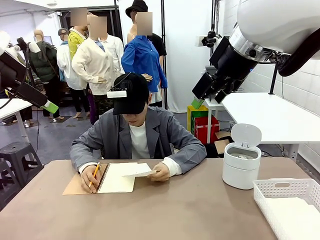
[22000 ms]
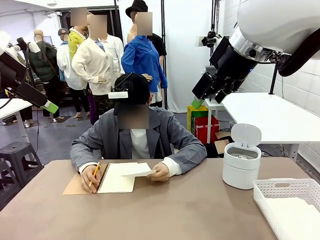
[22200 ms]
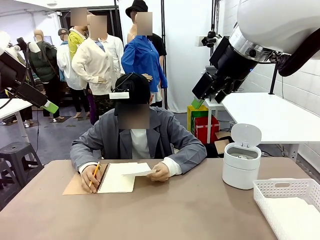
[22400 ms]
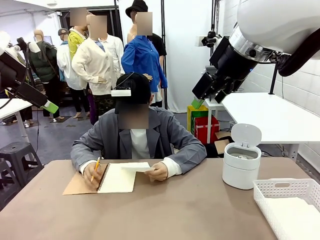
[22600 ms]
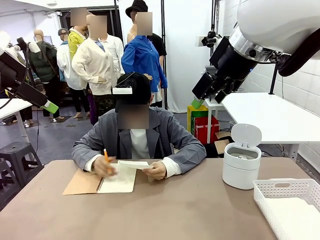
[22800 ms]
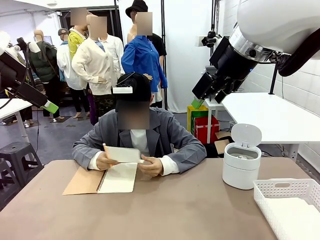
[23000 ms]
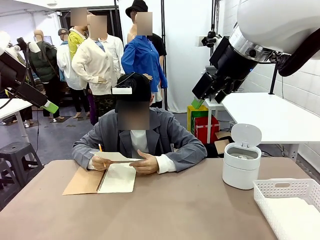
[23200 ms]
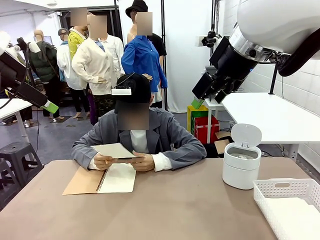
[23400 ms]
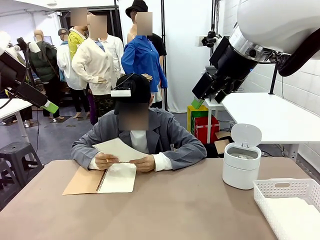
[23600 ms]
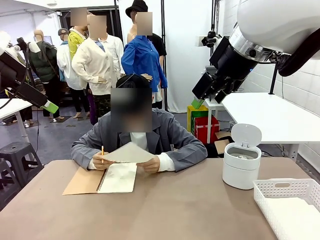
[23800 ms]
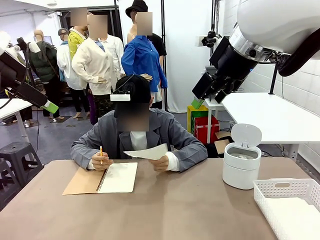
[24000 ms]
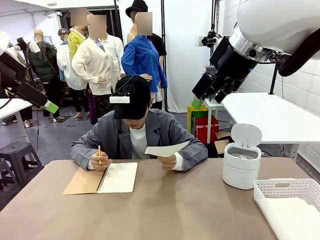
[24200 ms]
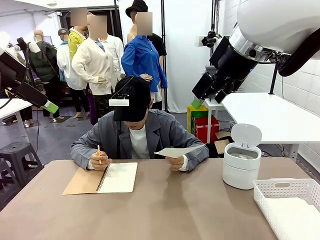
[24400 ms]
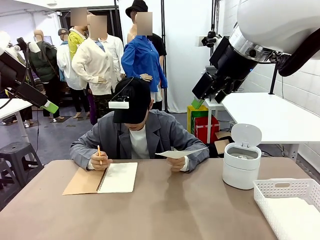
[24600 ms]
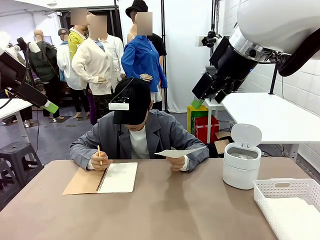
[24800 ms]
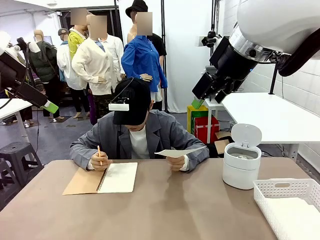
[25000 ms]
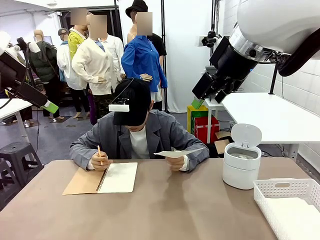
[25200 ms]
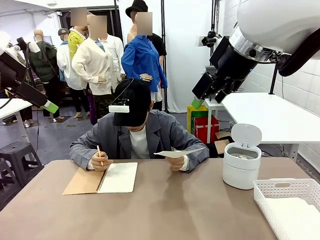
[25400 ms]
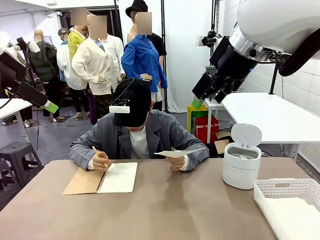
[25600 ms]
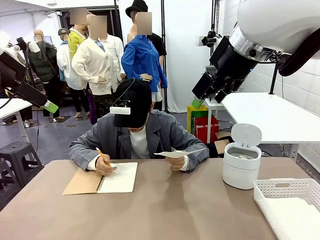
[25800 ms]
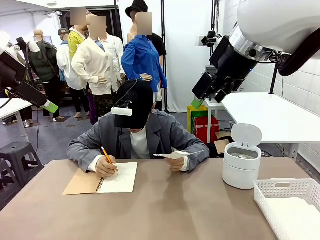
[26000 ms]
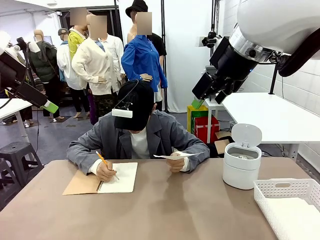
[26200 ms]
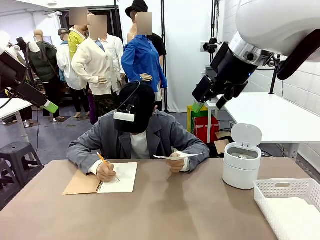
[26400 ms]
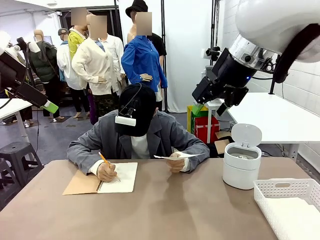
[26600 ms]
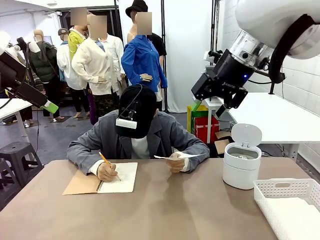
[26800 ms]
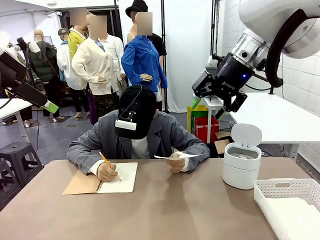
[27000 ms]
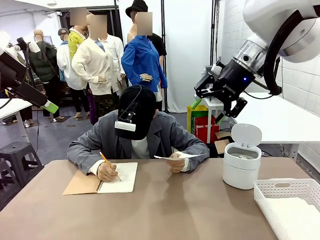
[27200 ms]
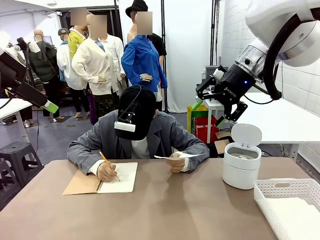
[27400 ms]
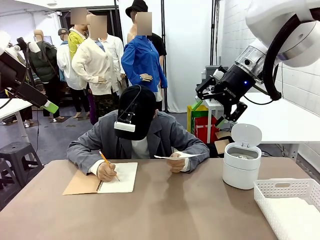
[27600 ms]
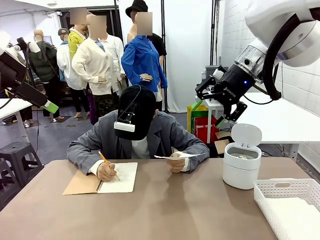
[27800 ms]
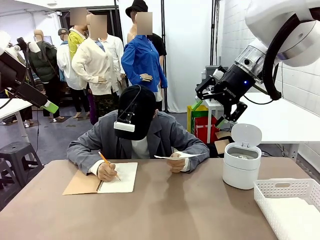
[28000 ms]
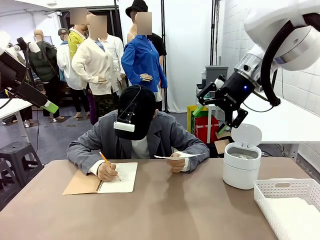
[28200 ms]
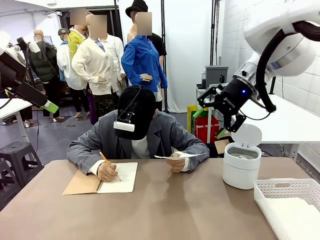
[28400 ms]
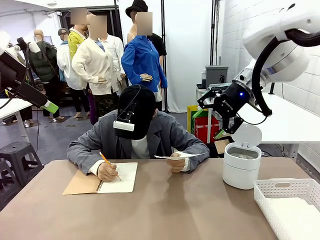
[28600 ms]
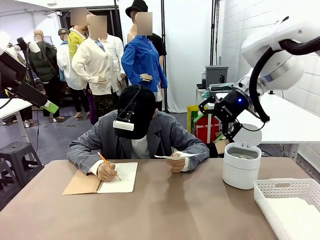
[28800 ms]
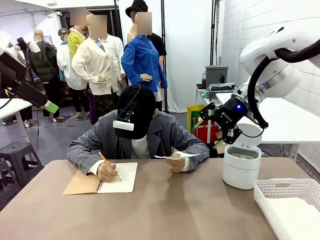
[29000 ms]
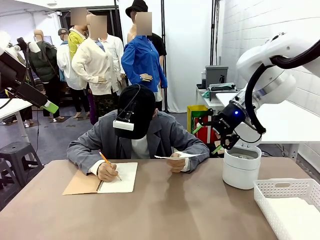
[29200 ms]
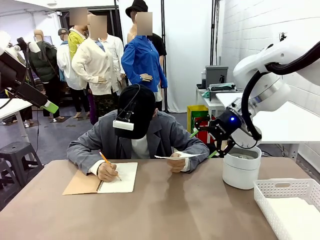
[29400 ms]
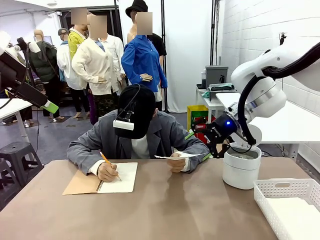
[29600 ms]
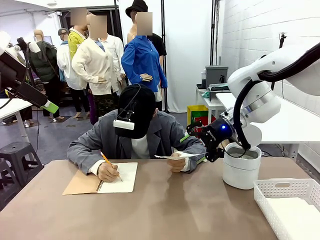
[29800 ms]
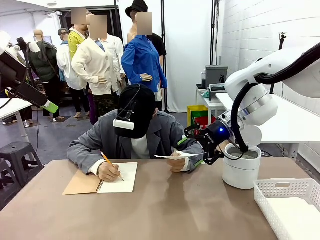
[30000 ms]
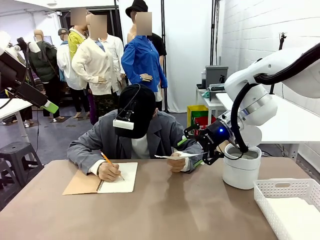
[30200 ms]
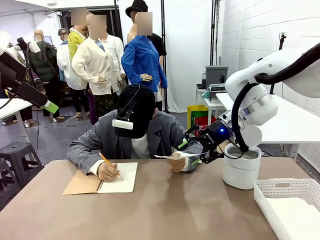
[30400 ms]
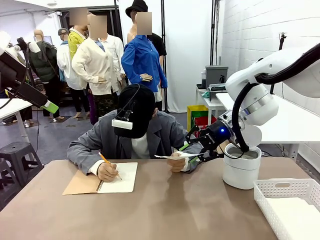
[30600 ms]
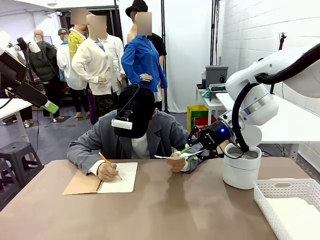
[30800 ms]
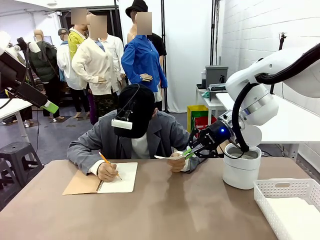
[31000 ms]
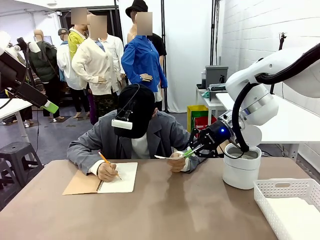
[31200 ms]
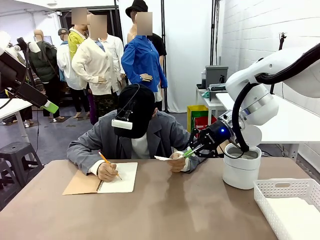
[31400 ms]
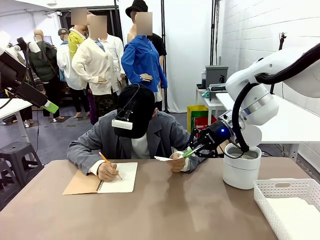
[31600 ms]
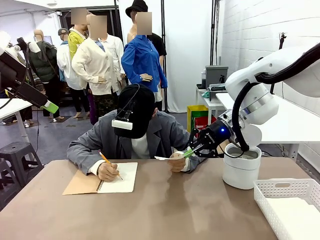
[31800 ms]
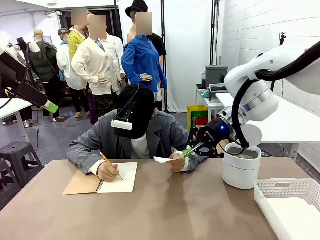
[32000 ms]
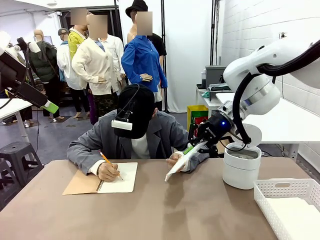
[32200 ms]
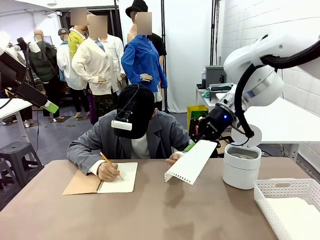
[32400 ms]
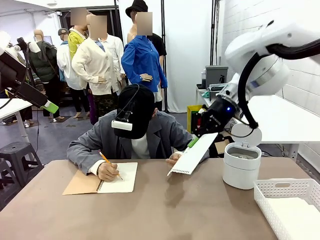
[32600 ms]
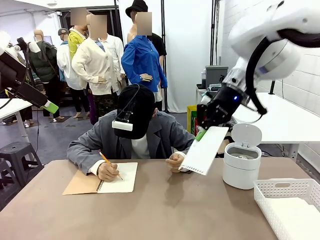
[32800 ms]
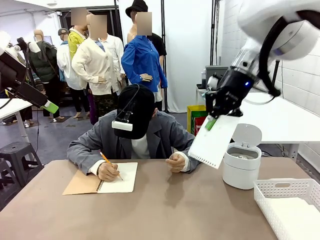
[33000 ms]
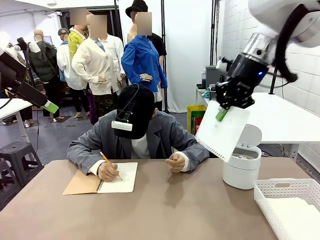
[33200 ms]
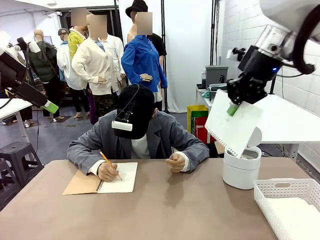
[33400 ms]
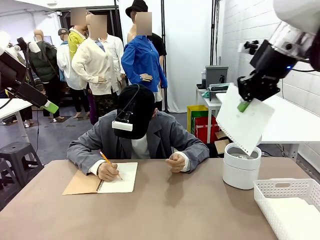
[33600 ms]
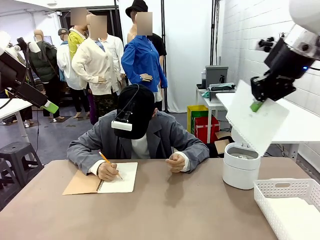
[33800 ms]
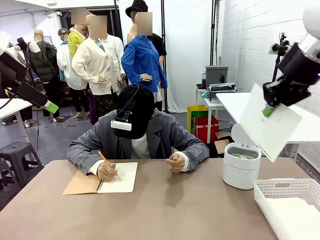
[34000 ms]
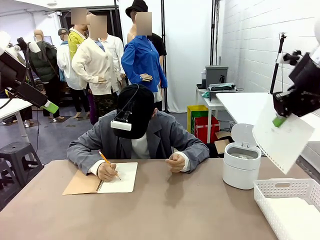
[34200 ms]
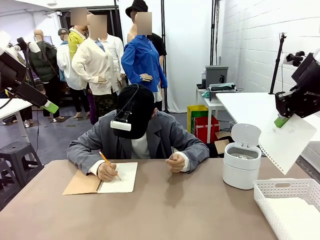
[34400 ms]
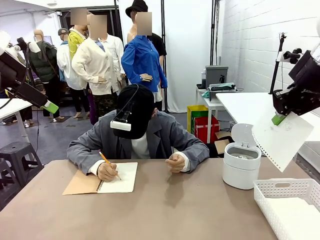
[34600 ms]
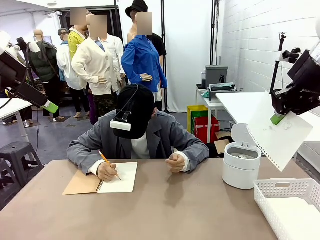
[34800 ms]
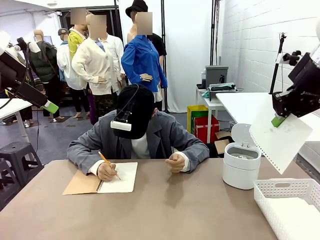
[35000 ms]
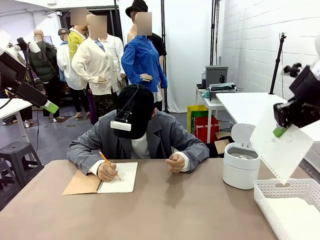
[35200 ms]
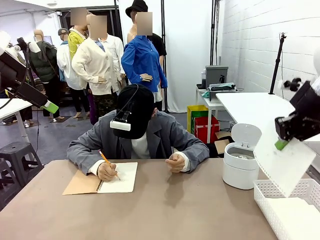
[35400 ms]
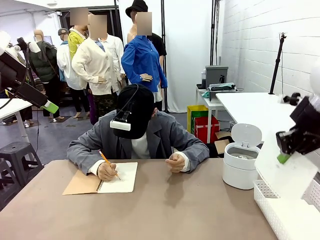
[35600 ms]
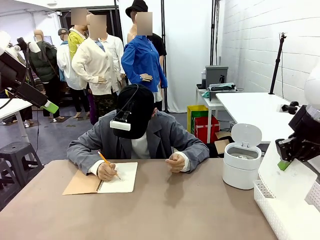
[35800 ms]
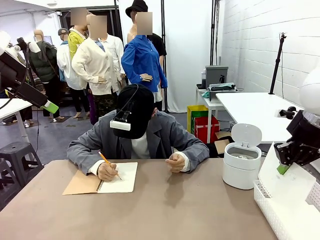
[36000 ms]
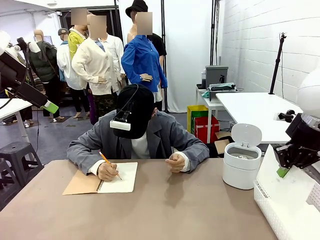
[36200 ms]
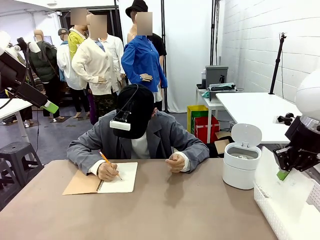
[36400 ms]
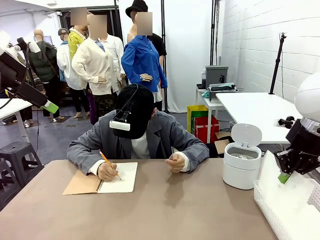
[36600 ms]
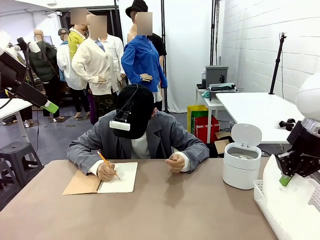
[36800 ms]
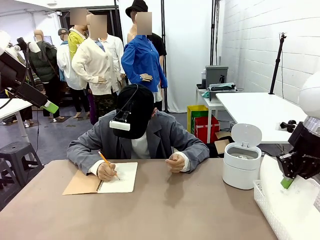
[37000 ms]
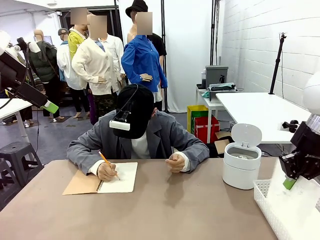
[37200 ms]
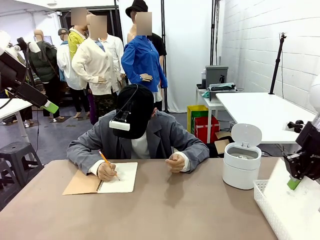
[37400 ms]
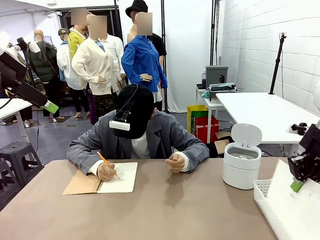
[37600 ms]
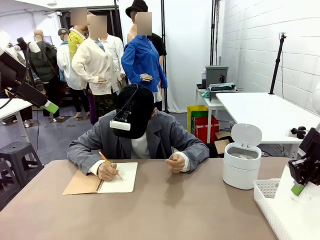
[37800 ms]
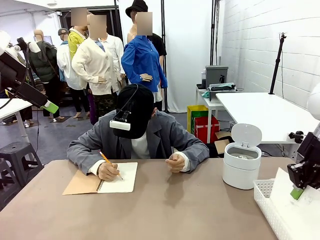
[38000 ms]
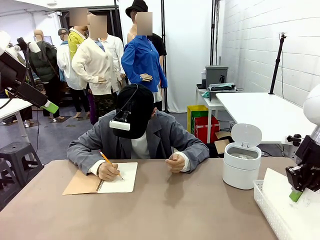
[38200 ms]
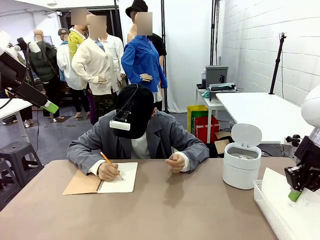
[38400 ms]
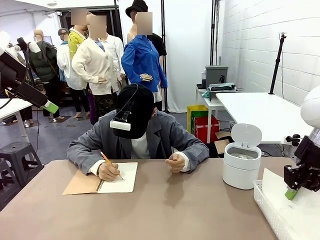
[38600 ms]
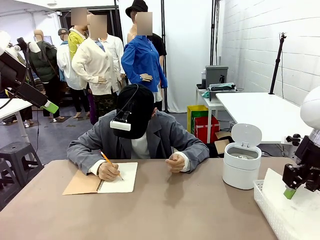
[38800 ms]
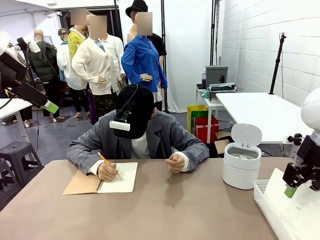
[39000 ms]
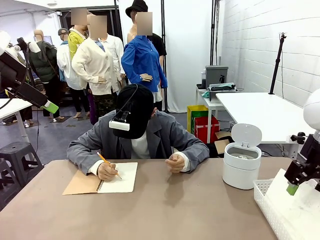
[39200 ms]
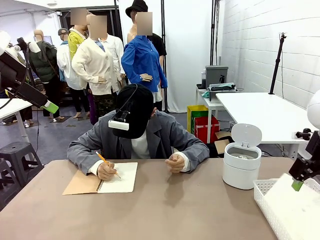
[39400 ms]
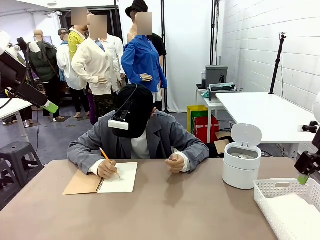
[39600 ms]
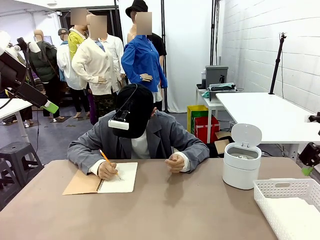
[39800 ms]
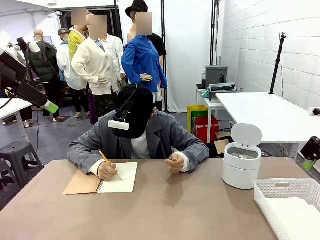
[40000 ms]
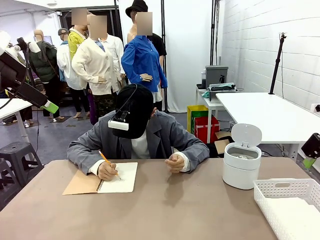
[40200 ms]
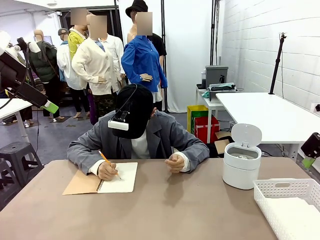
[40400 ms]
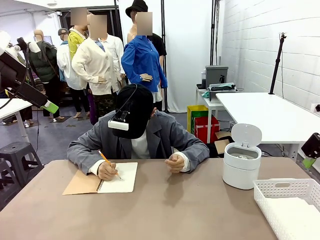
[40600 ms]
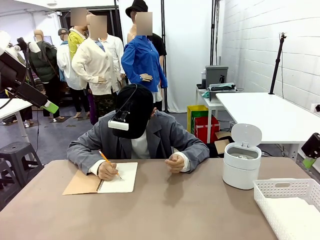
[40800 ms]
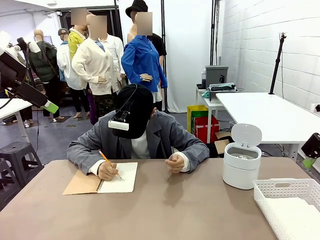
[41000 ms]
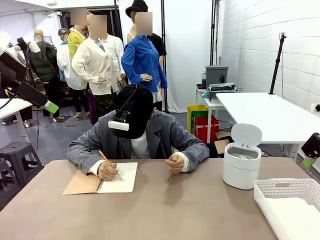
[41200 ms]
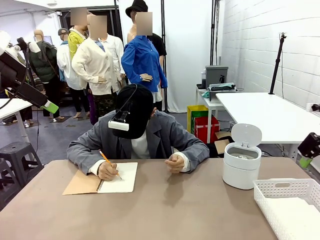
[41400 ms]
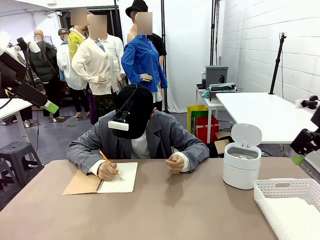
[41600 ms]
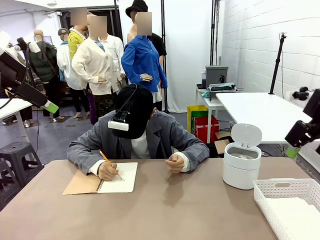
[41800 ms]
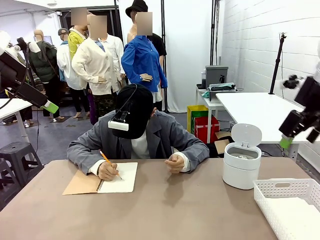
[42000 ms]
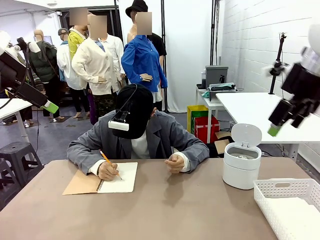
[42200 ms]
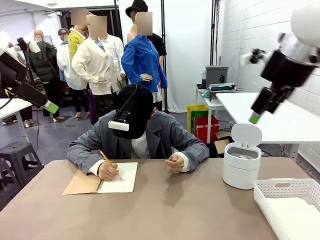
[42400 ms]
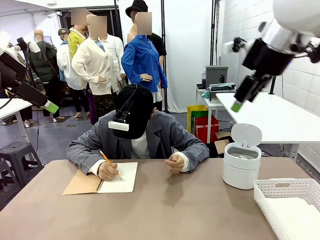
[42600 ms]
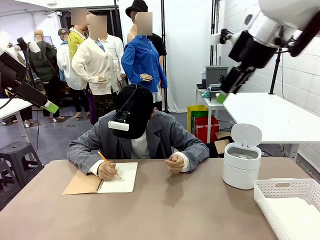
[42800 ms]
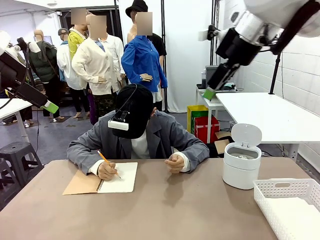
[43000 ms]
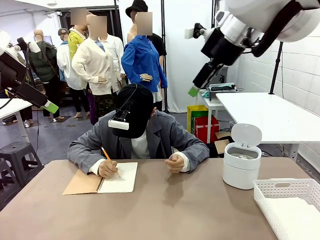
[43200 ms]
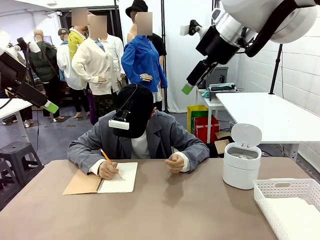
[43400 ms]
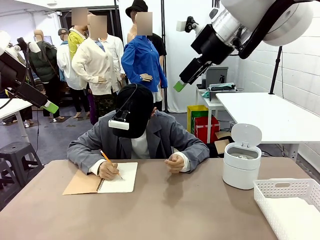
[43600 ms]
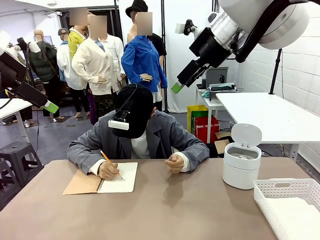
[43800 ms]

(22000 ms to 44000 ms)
Task: Sort the paper based on its condition.
Robot: If a person hands you a paper, place it in the Organizing basket , and if it's crumpled, put it in the Trash can.
Person: Hand the torn page to the robot or crumple it and throw it to the center of the table. Tear out a page from the spiral notebook.
